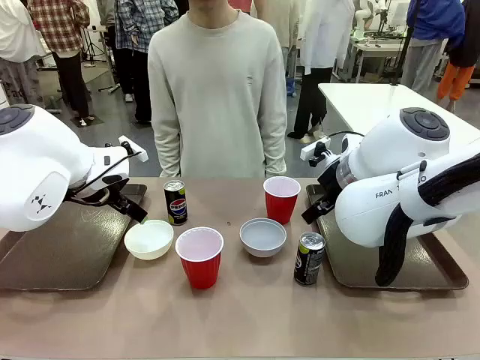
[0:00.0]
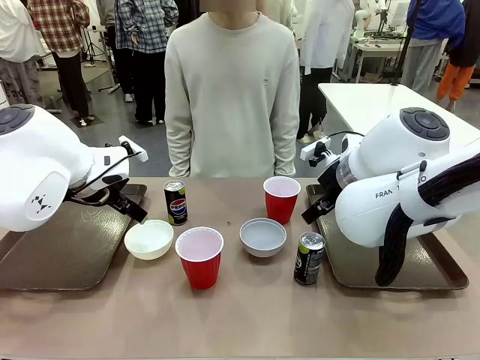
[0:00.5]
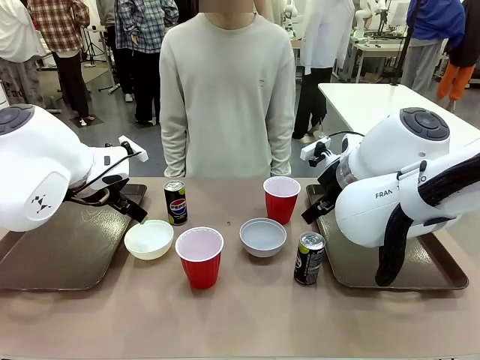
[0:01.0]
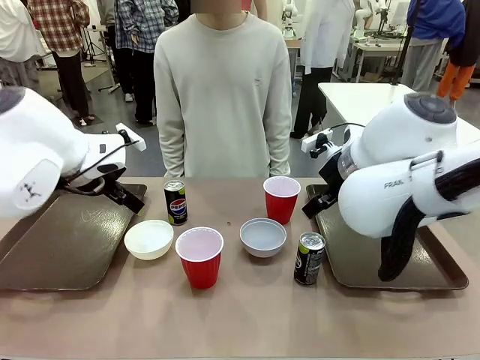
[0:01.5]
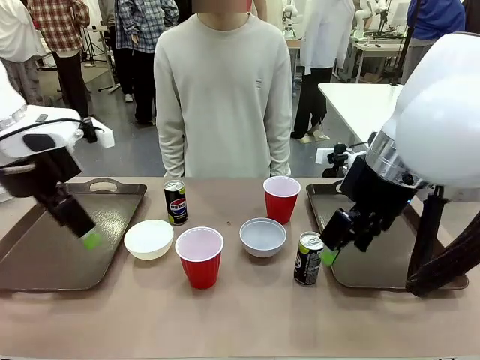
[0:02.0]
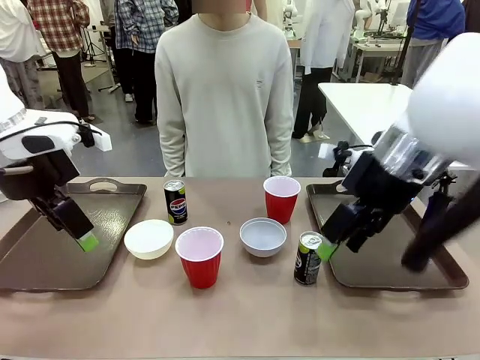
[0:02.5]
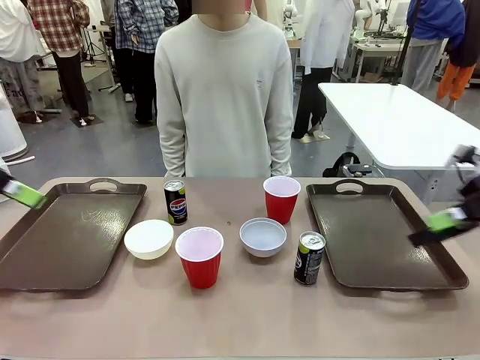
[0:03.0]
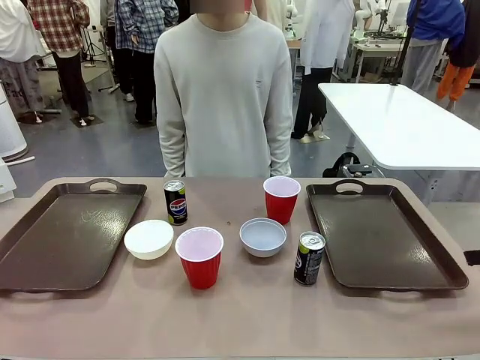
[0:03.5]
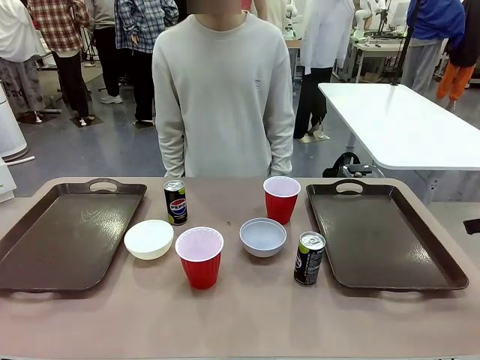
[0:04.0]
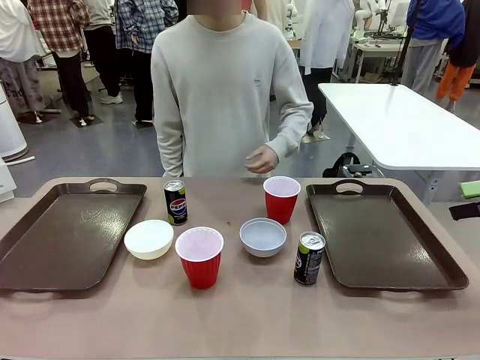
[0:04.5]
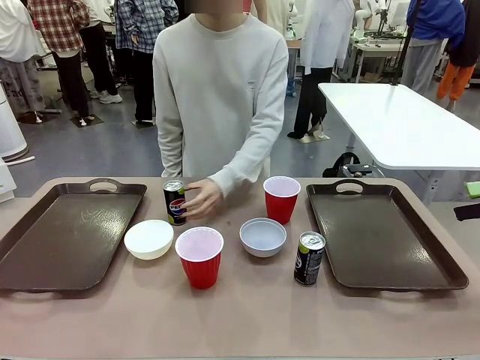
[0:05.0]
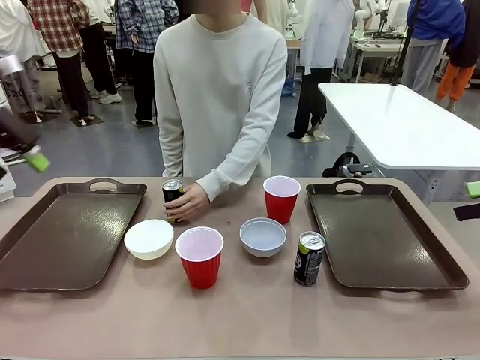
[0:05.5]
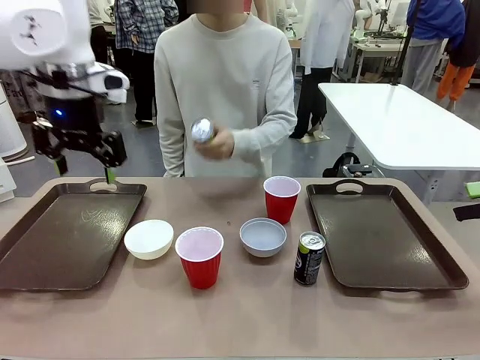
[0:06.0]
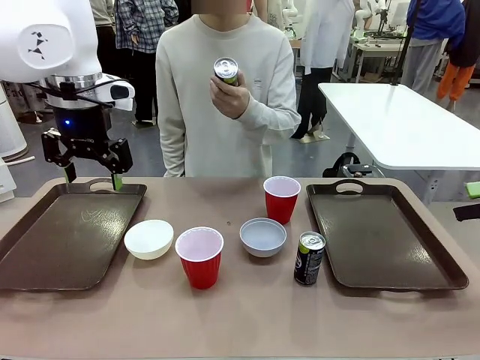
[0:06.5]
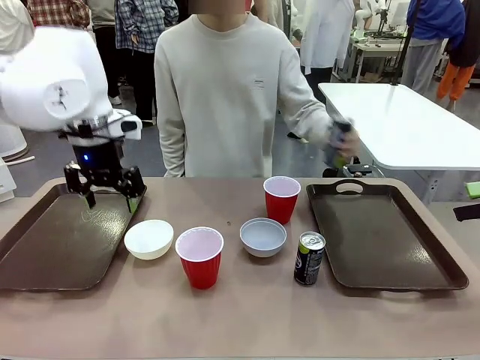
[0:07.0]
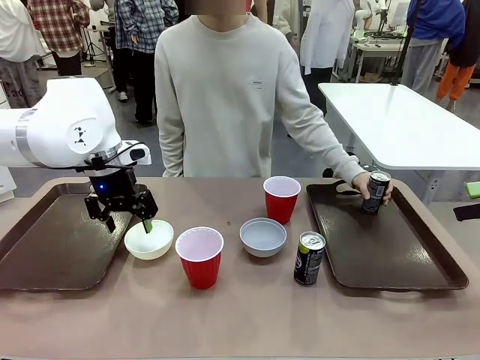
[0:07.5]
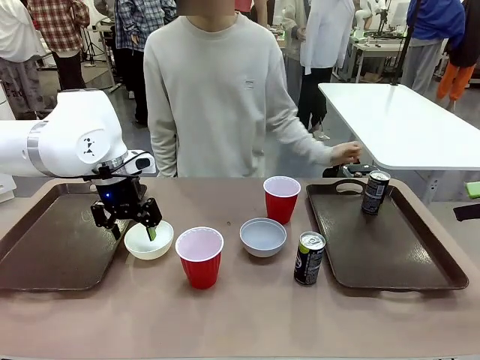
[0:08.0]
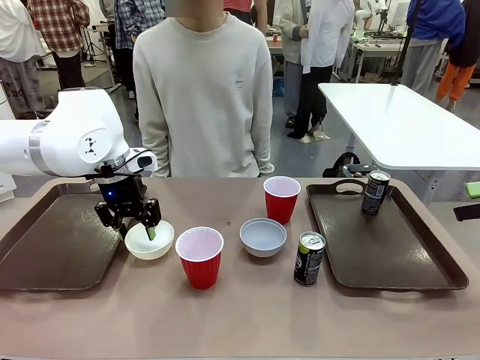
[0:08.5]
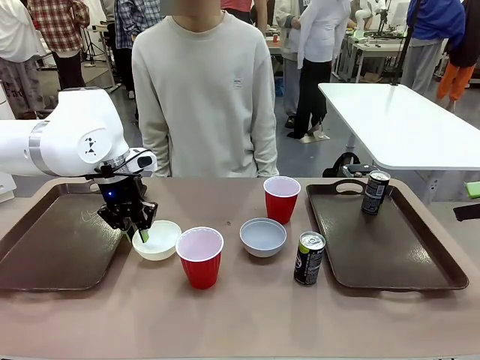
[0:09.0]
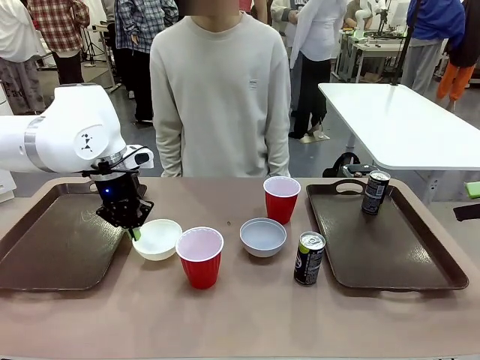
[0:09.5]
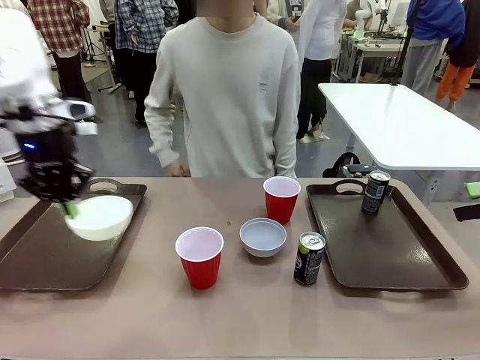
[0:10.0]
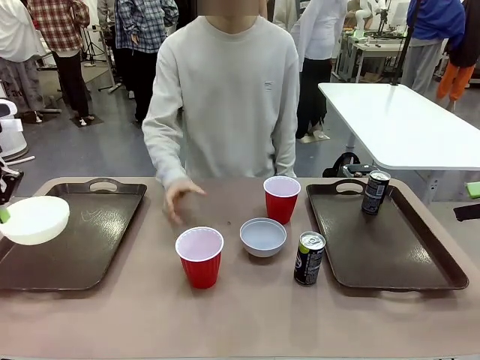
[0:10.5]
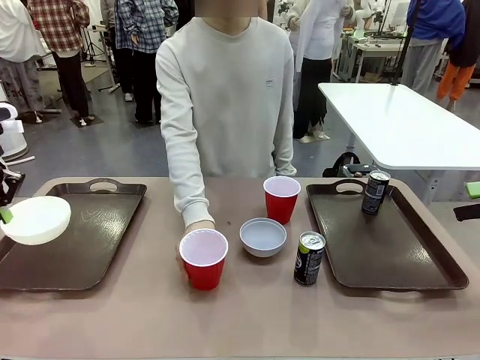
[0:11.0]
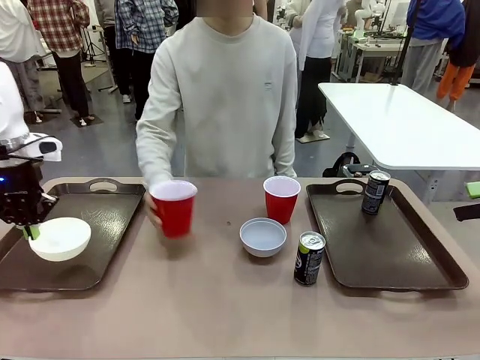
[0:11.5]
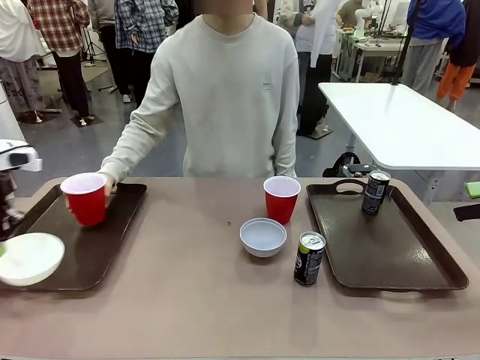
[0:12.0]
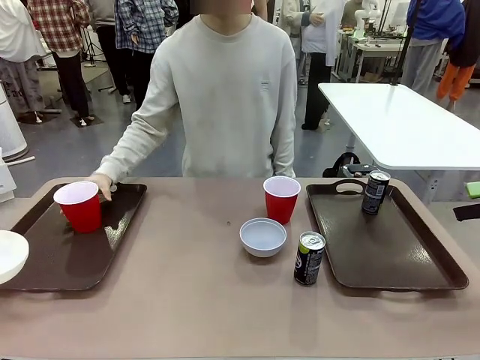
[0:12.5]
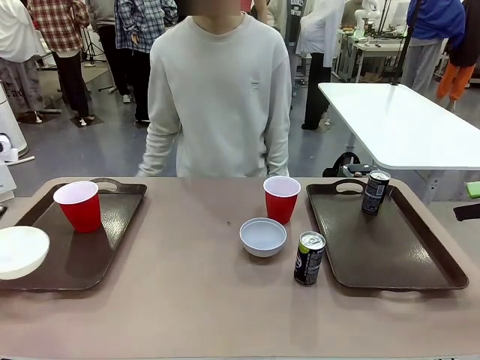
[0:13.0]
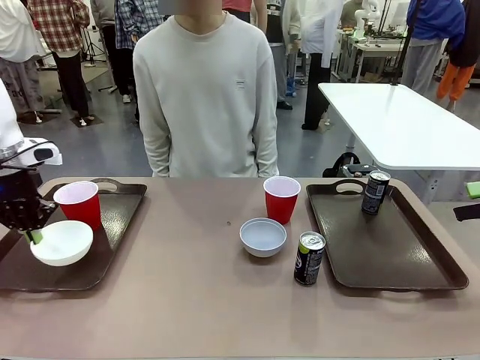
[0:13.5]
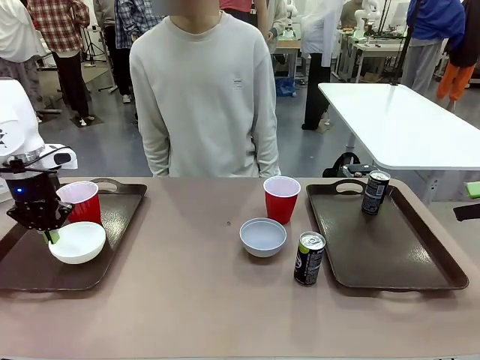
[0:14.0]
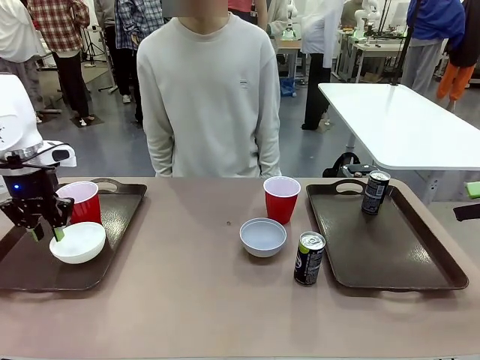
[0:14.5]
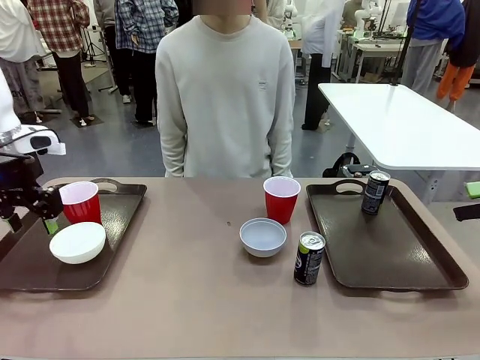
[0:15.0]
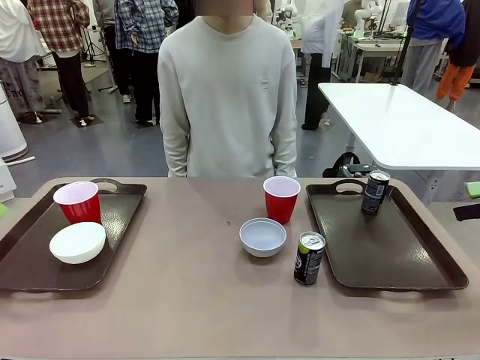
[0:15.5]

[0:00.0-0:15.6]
Task: Prepare tableware on both trays.
Robot: Pick up a Picnic Bowl from the table and place it on a Handle tray.
Person: Pick up a can or cup and place it on the tray.

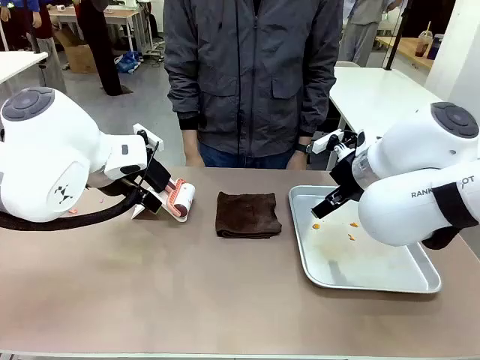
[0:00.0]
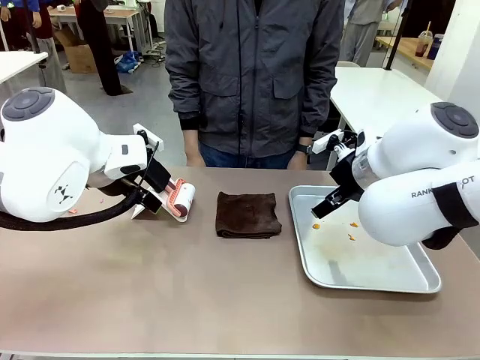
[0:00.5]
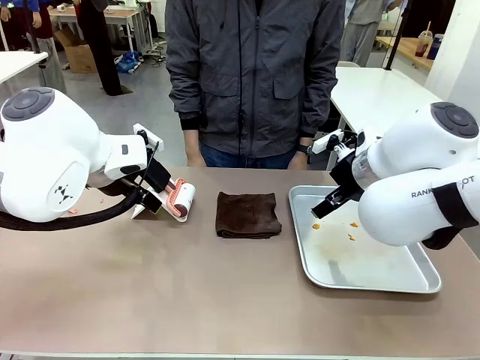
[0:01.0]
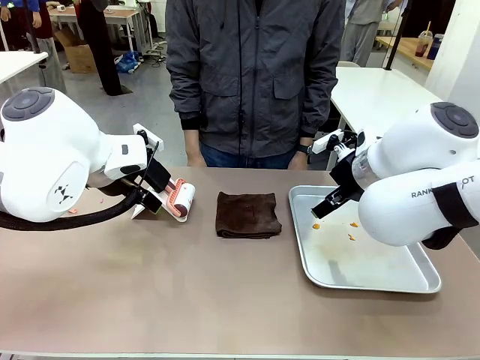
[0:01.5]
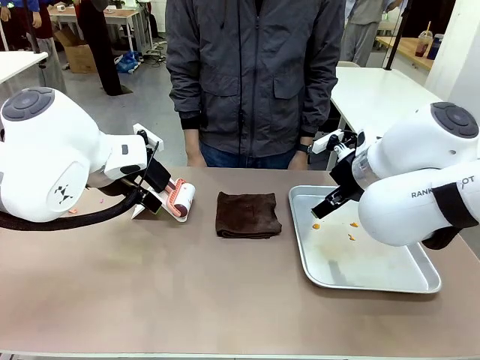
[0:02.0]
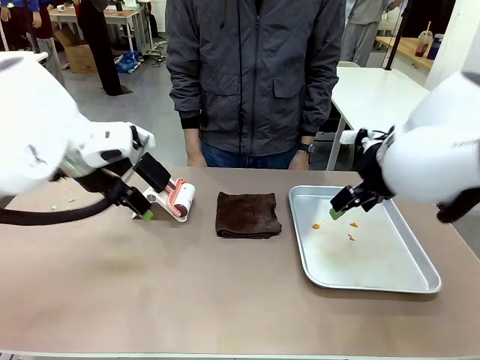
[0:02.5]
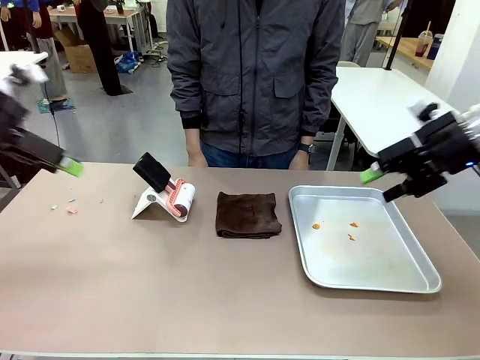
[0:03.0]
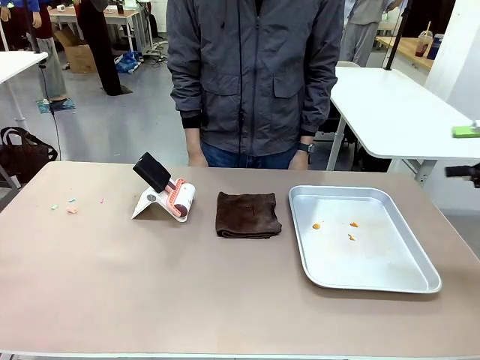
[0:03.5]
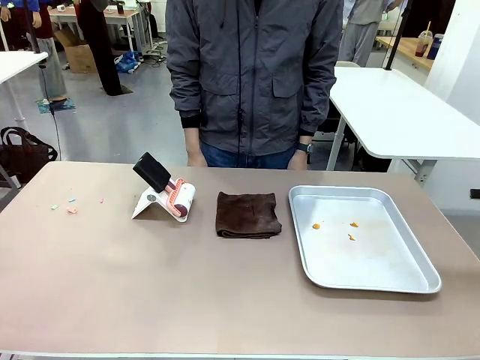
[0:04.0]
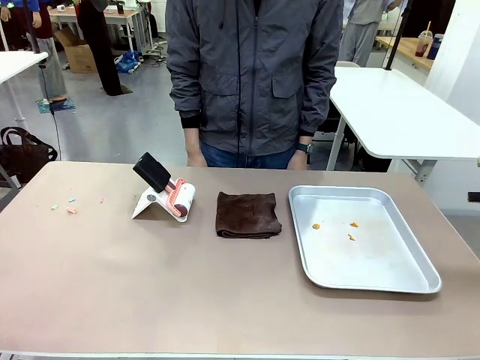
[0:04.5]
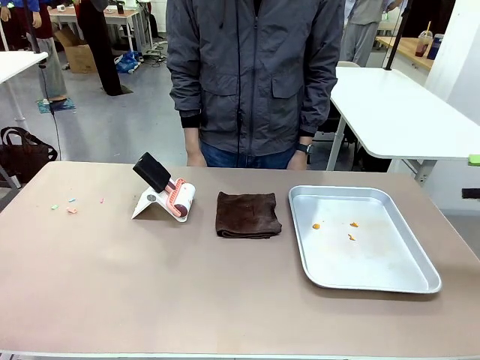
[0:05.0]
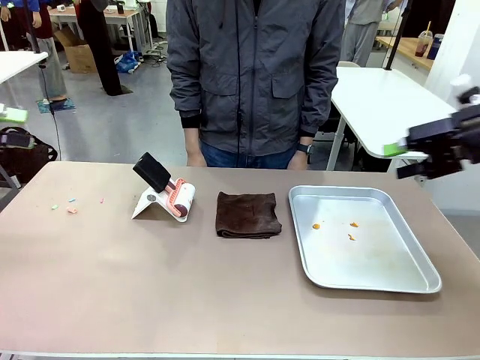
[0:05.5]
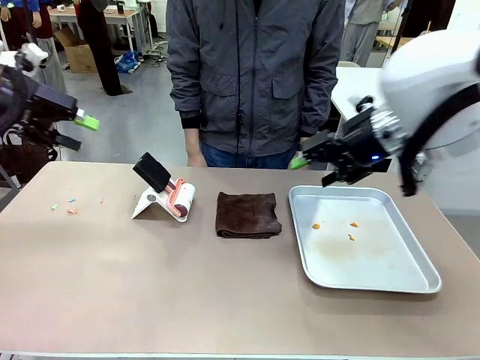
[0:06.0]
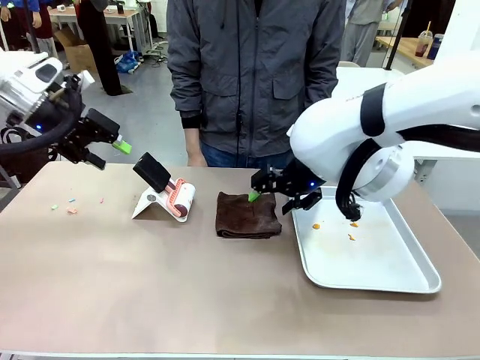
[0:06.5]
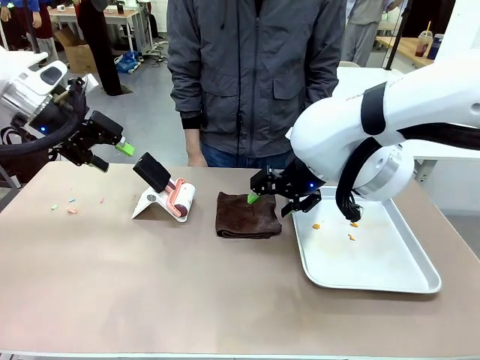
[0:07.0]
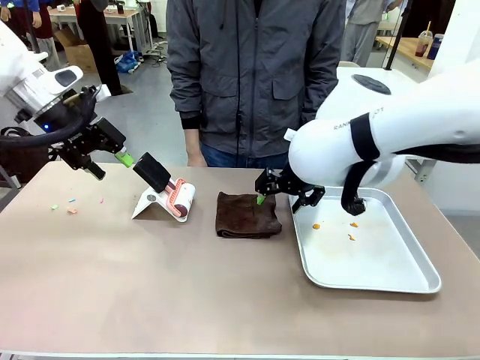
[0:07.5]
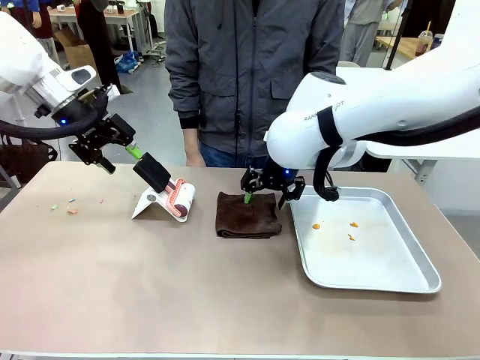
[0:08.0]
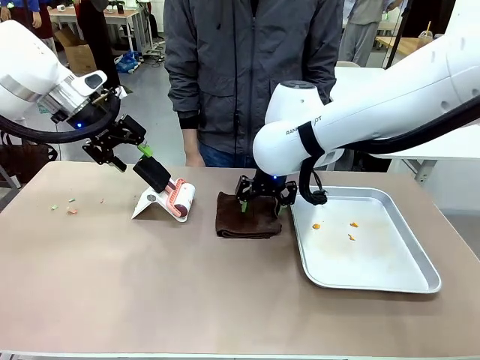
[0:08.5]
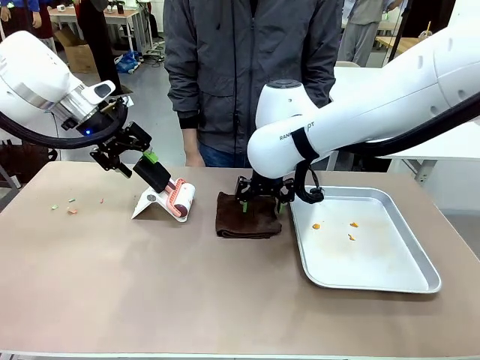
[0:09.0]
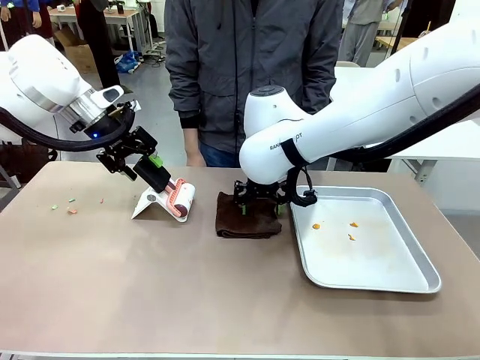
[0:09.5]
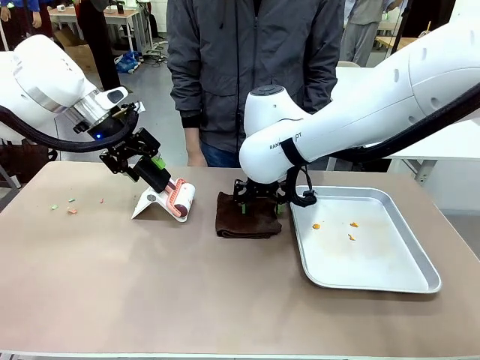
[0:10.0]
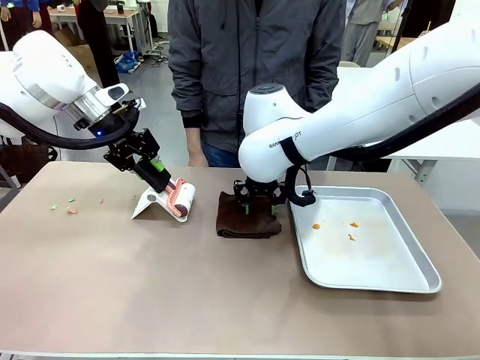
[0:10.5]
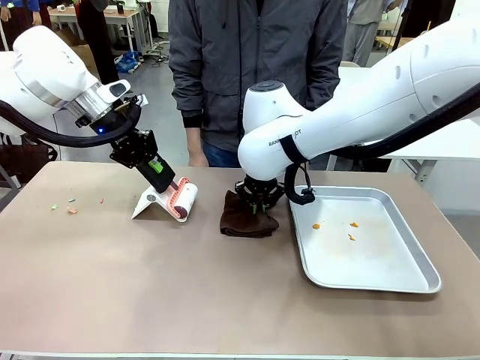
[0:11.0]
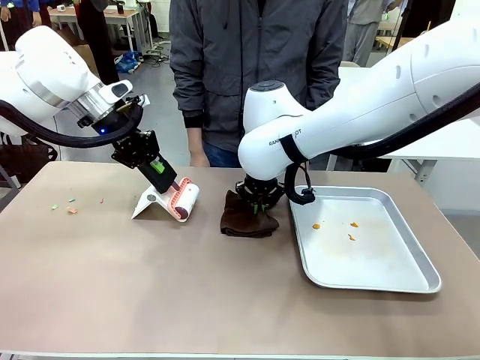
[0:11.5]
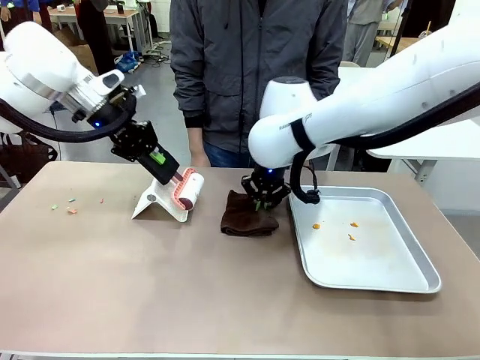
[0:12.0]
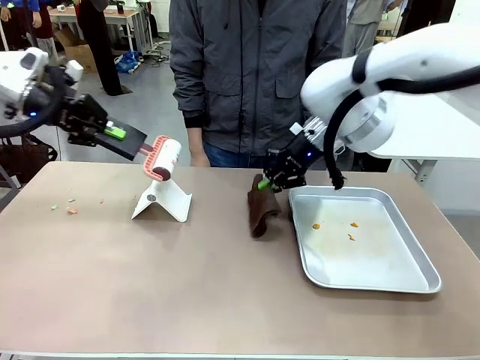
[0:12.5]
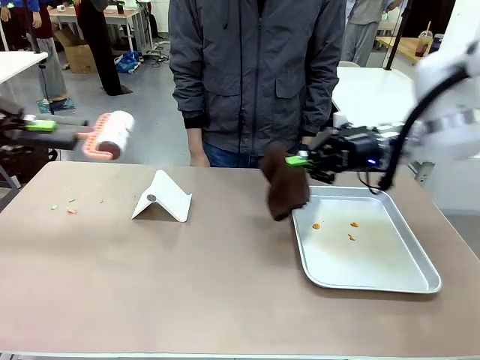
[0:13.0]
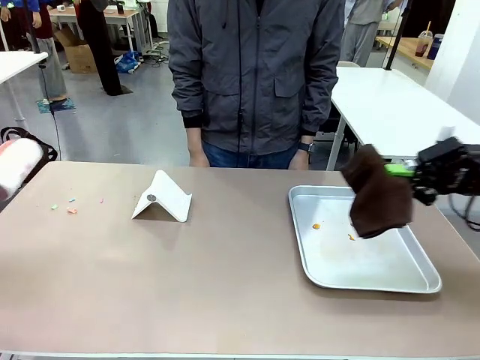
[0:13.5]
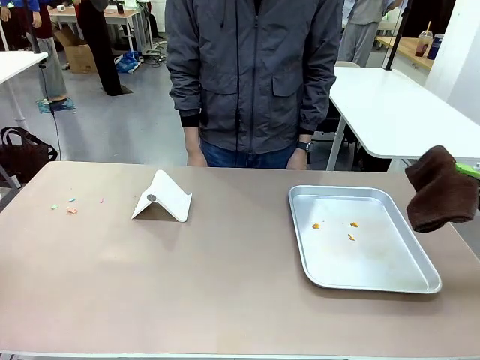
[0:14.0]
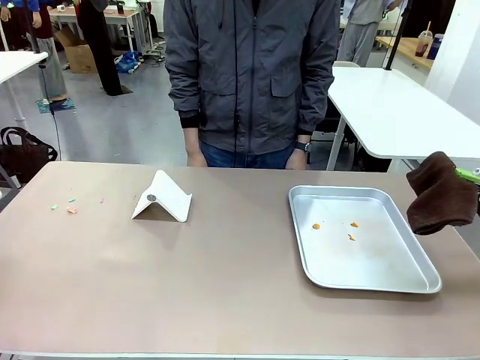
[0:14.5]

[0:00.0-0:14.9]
Task: Clean the surface of the table.
Robot: Hold the Lint Roller with your left hand and the towel with your right hand.
